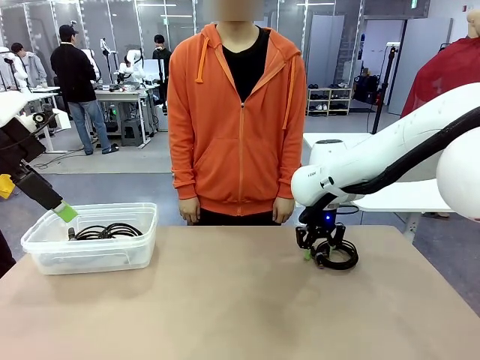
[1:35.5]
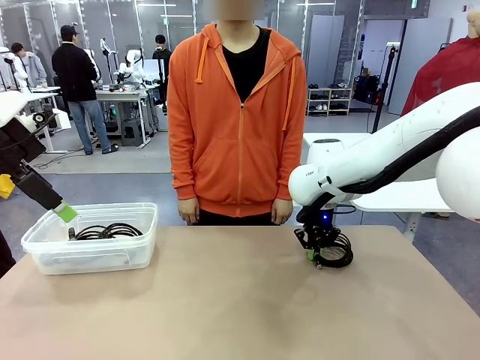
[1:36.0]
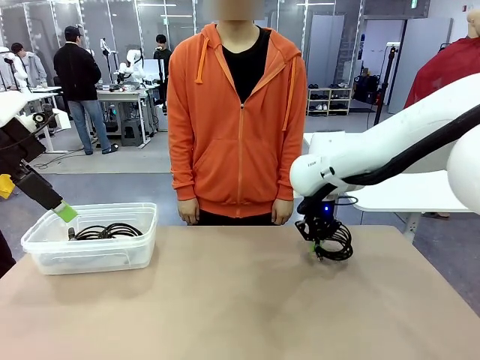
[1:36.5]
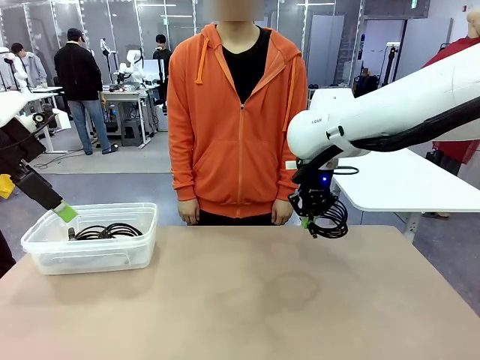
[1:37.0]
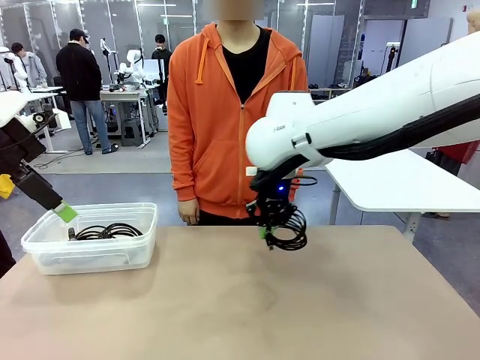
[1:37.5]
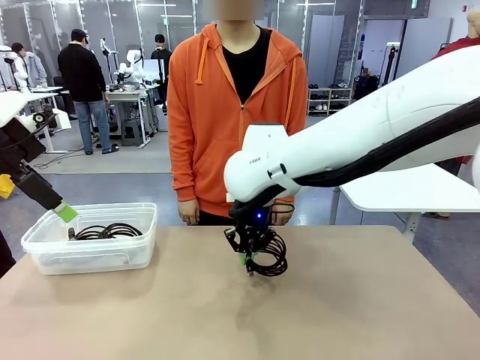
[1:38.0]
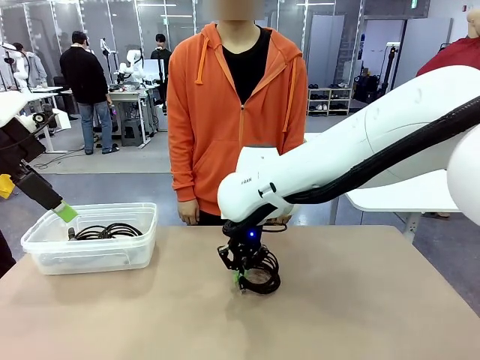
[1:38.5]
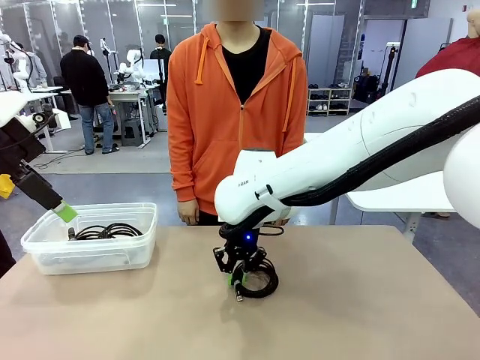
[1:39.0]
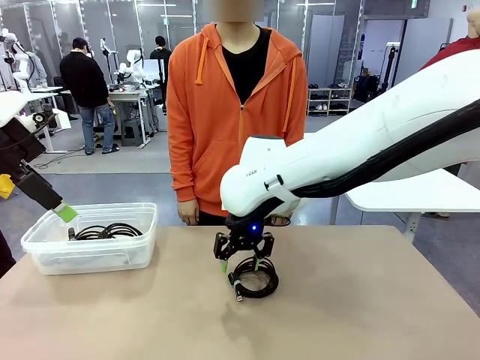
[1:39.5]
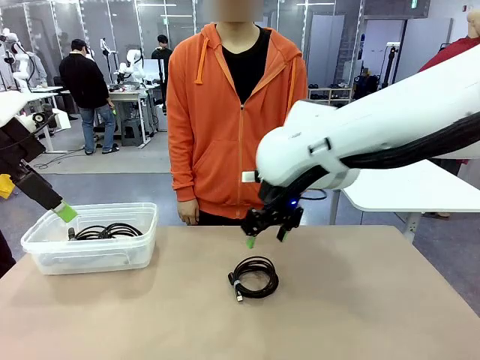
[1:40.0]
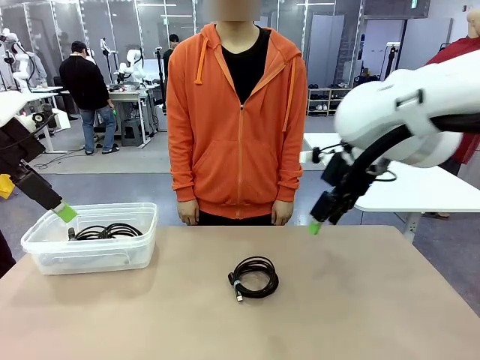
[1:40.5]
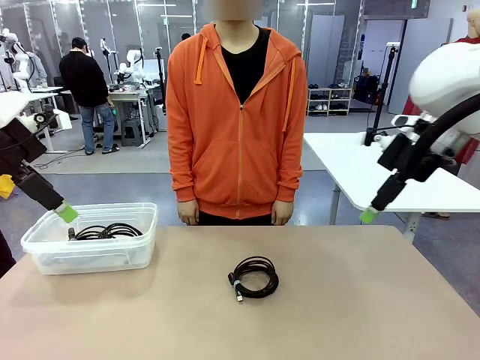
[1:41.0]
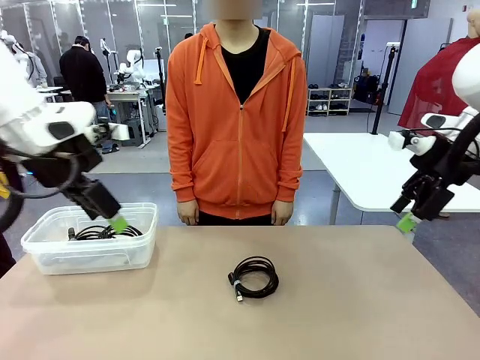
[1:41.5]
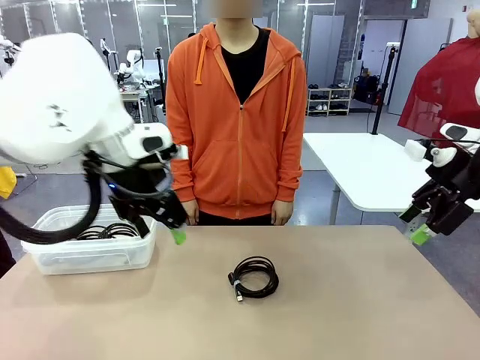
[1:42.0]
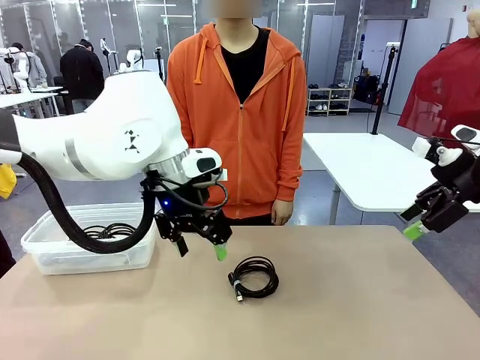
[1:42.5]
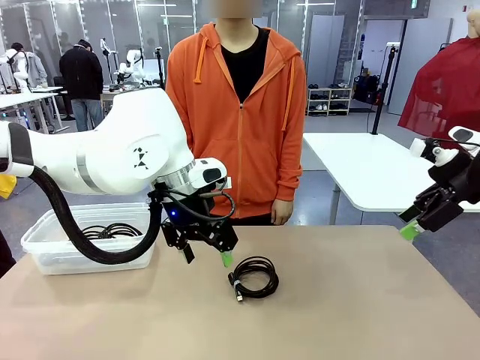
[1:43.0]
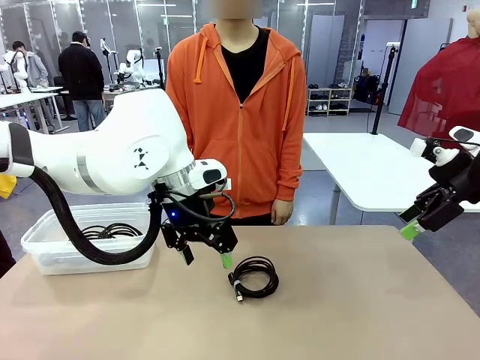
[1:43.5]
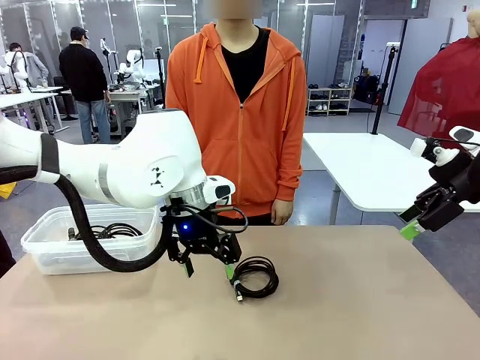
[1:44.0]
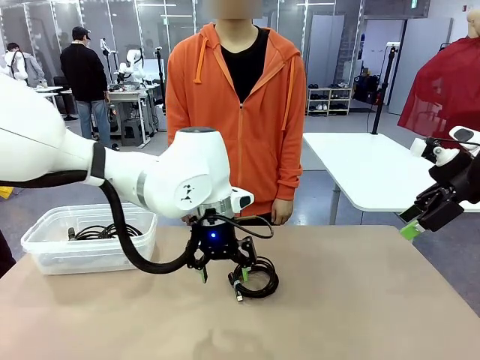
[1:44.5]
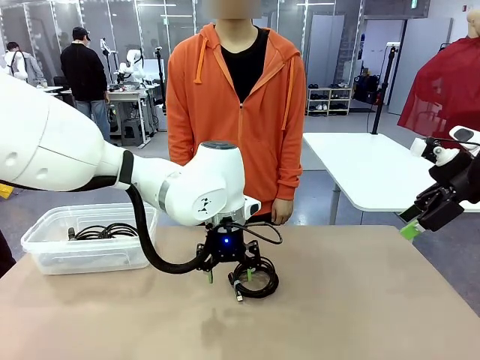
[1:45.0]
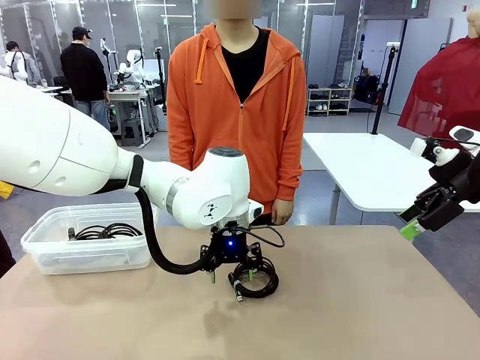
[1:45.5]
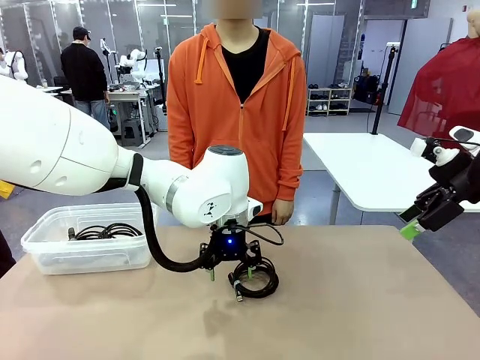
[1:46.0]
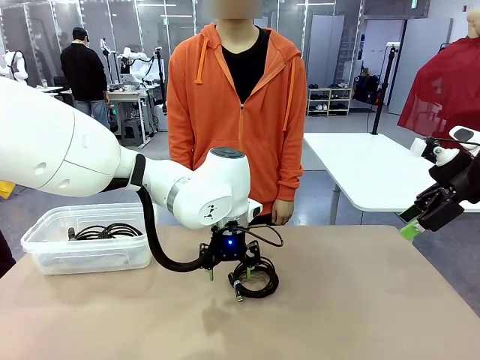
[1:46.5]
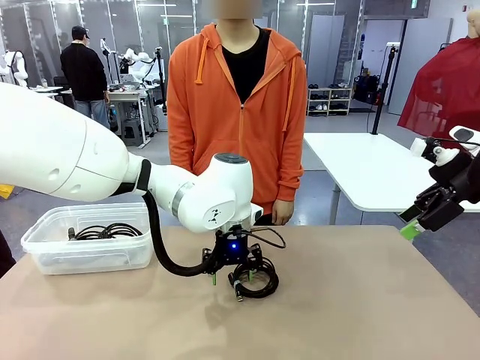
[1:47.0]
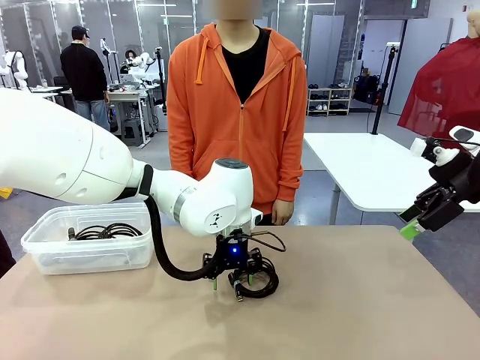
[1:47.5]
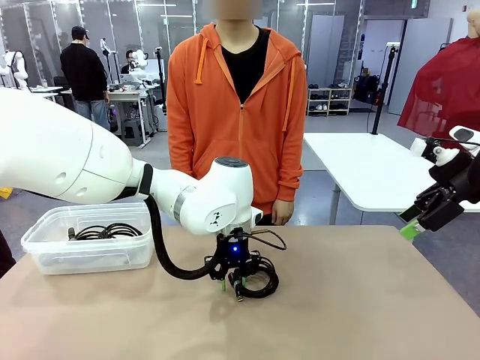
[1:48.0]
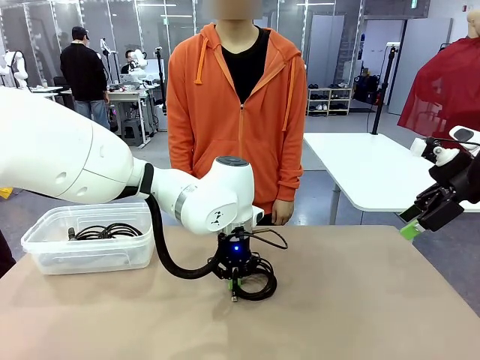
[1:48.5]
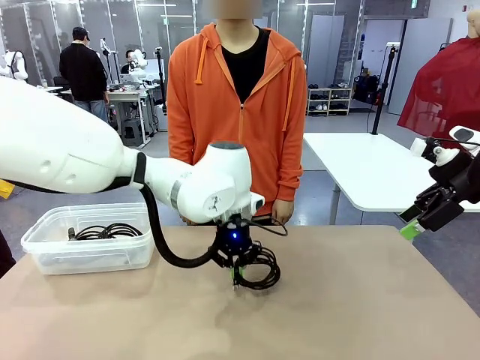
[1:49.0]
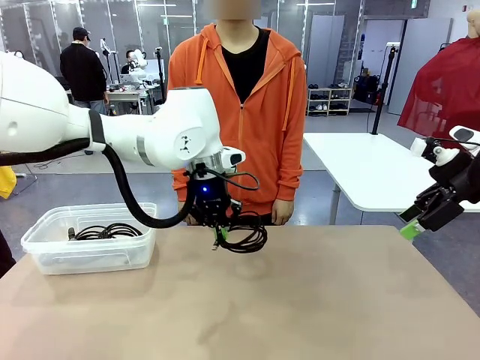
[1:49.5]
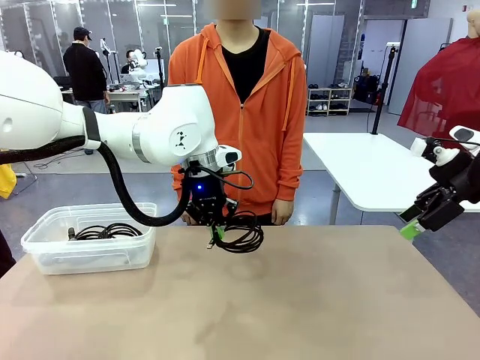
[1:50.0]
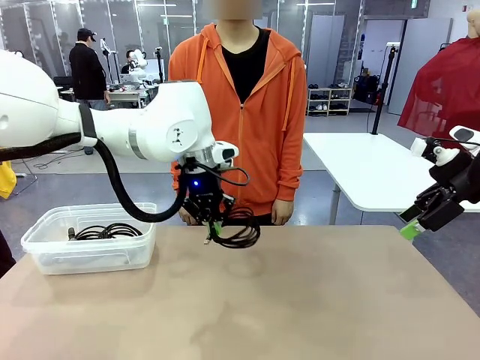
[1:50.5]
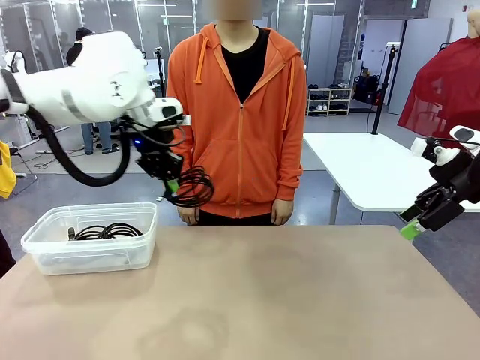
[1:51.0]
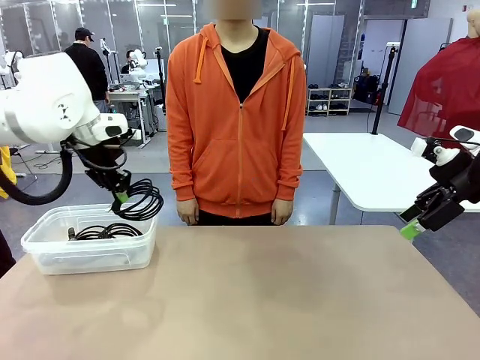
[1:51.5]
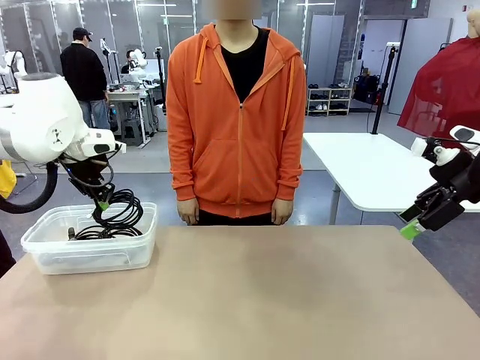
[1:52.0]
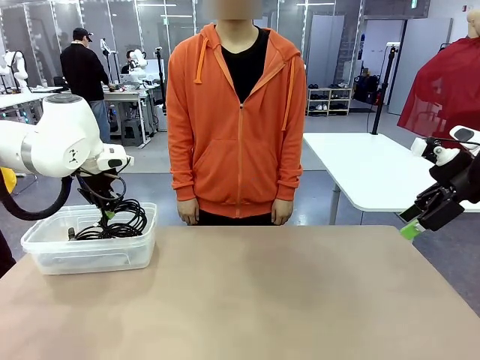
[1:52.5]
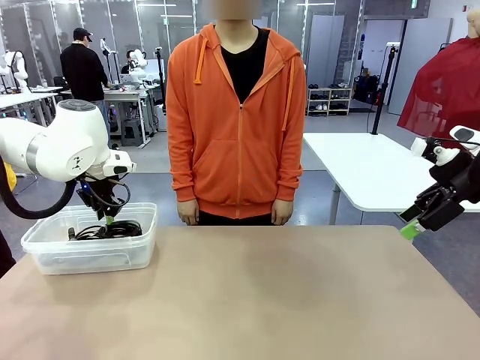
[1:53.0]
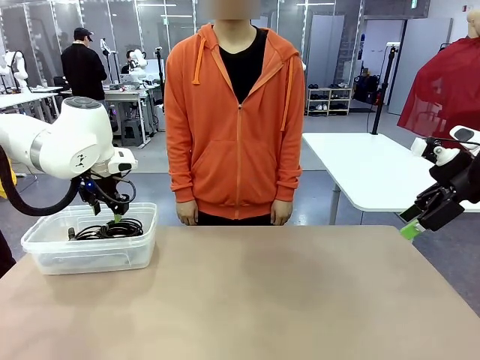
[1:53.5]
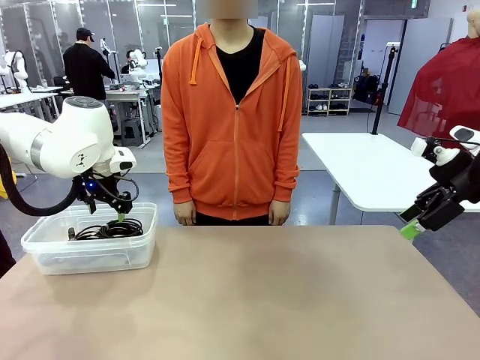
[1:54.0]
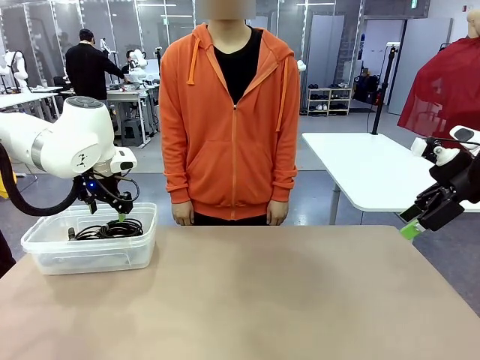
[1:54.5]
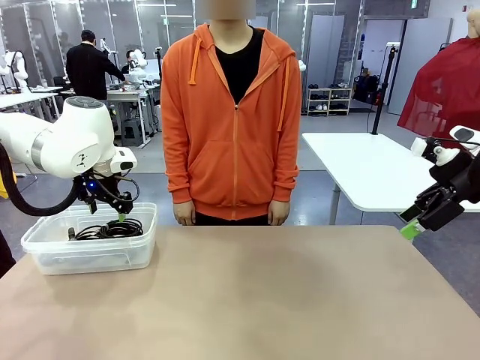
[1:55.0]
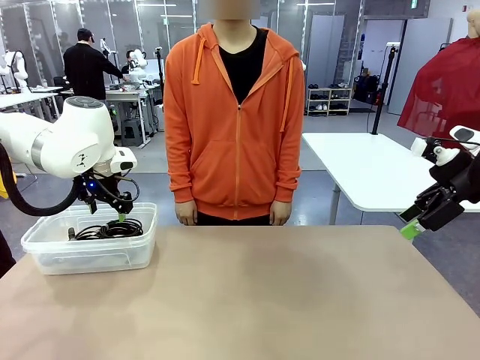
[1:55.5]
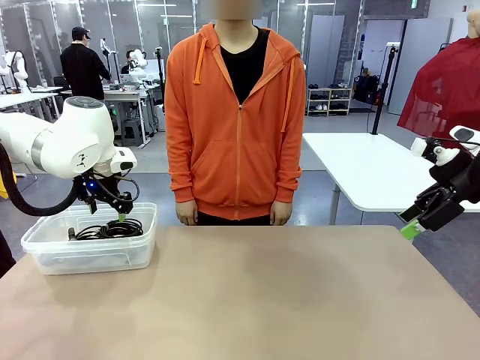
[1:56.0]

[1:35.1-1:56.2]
Task: Organize and store the cables.
Robot: Place the USB Extension Cable into the Organizing box.

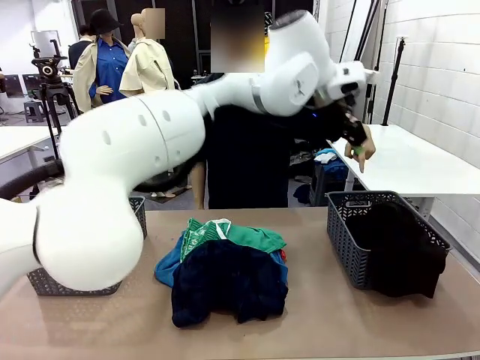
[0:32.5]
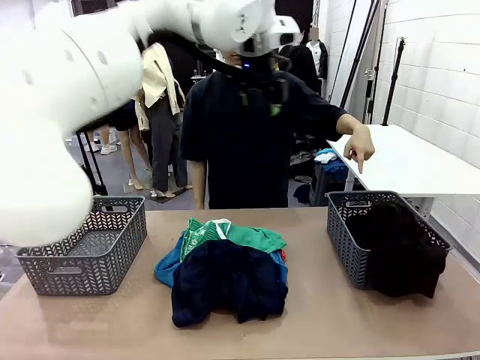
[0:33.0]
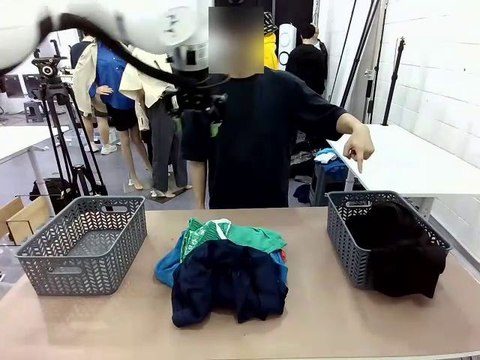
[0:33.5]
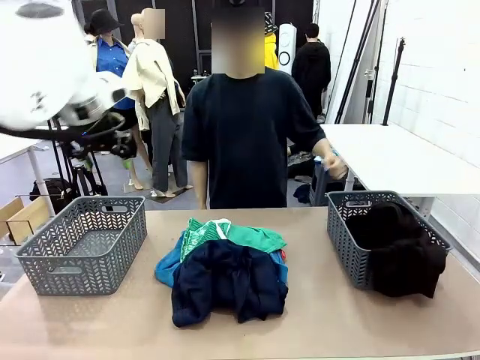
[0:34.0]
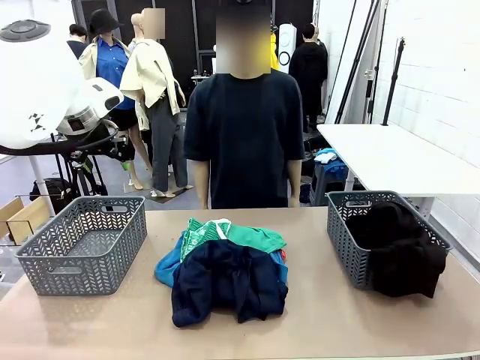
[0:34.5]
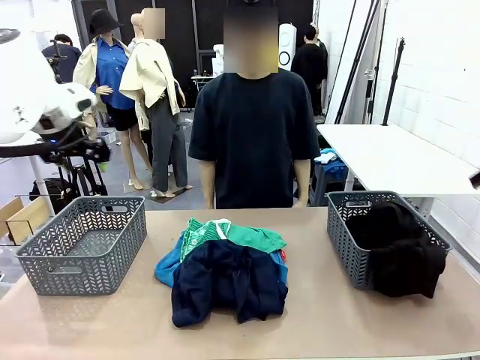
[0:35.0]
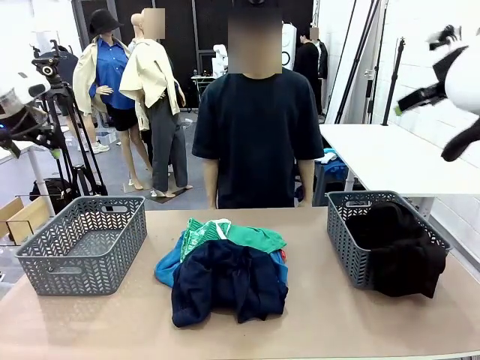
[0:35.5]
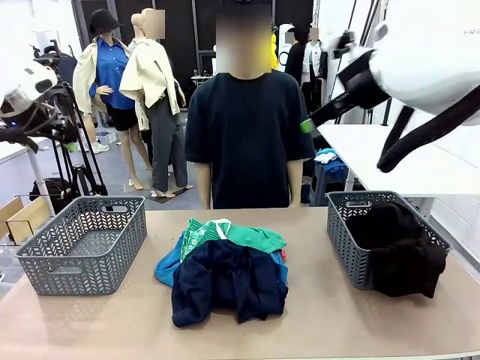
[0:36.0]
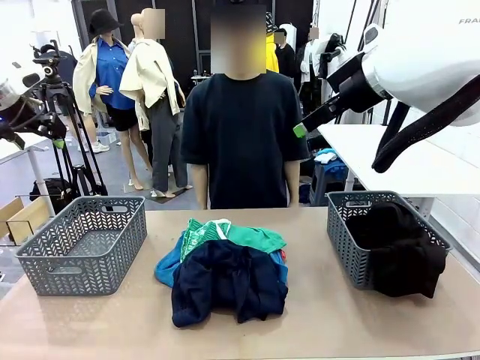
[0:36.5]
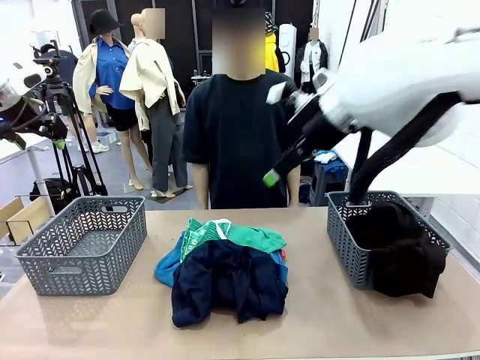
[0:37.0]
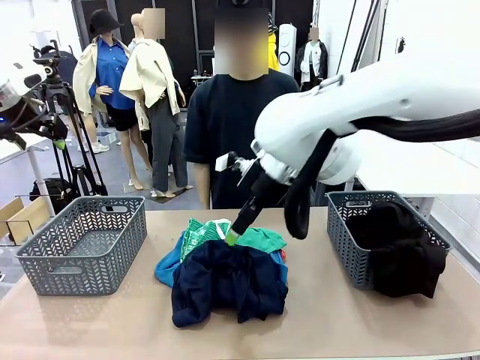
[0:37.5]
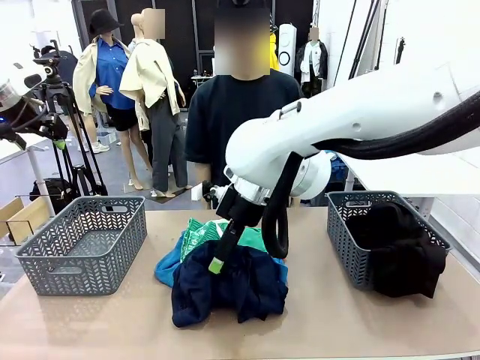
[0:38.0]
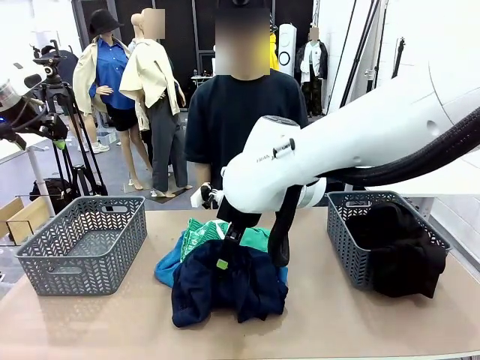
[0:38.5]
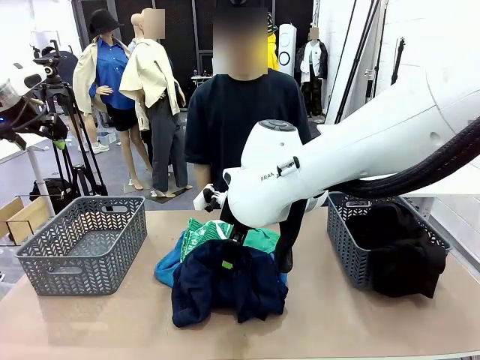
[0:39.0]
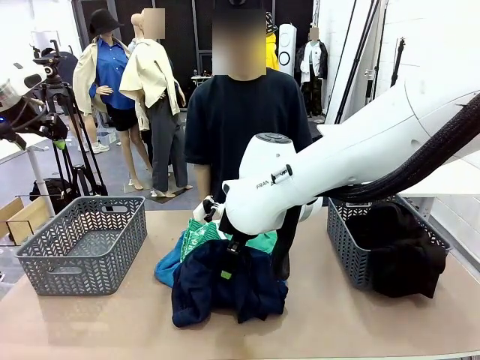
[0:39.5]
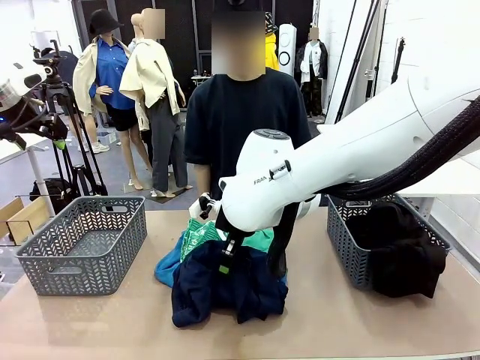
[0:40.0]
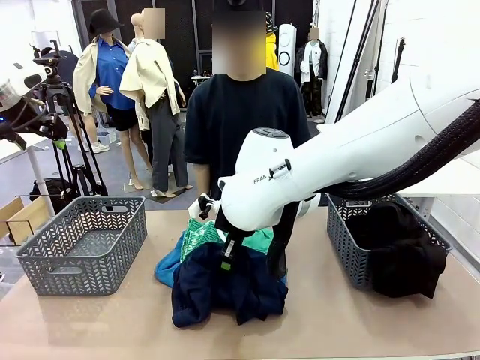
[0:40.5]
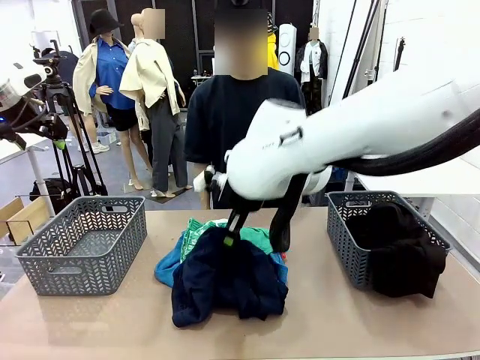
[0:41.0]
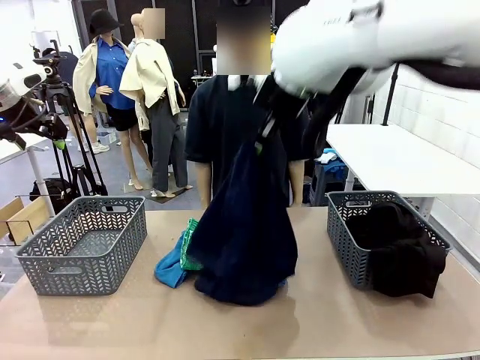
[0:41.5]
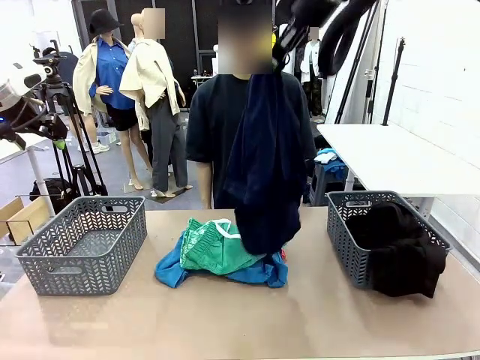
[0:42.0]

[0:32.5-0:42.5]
Task: Sort the tops and bottoms.
Robot: Lift clothes from the center of the table with your right hand.
